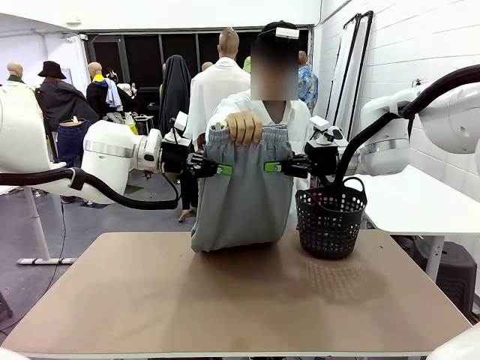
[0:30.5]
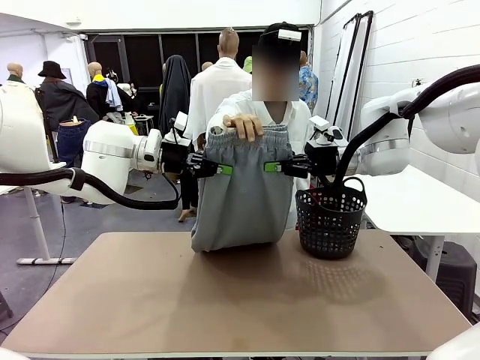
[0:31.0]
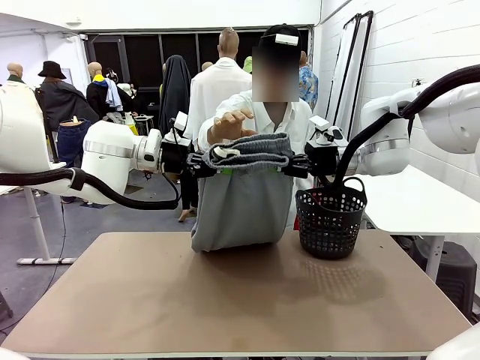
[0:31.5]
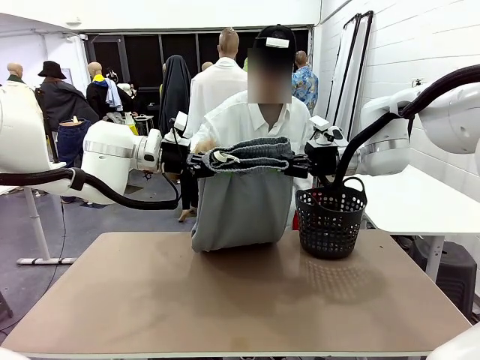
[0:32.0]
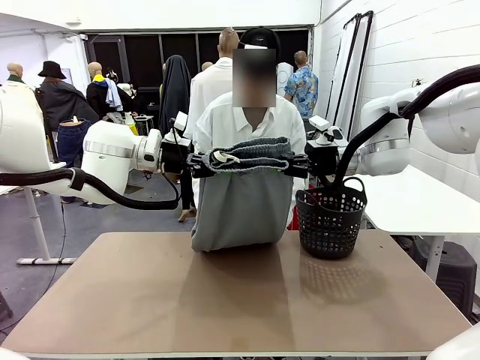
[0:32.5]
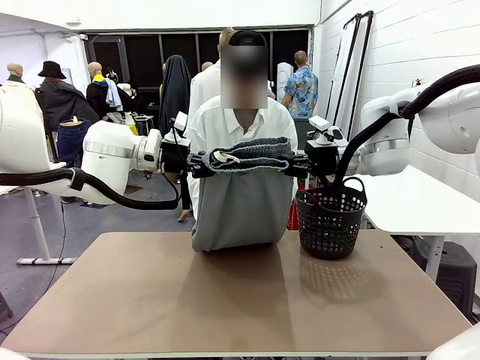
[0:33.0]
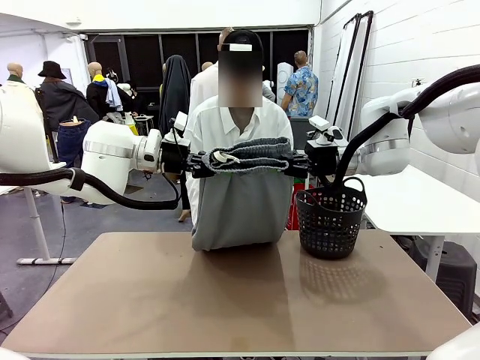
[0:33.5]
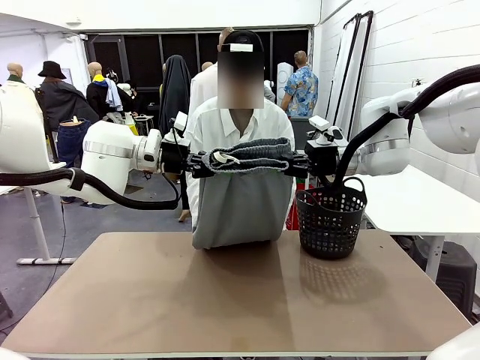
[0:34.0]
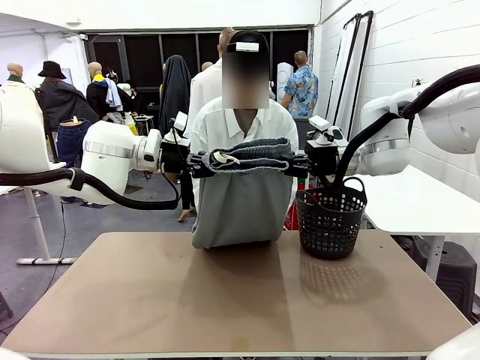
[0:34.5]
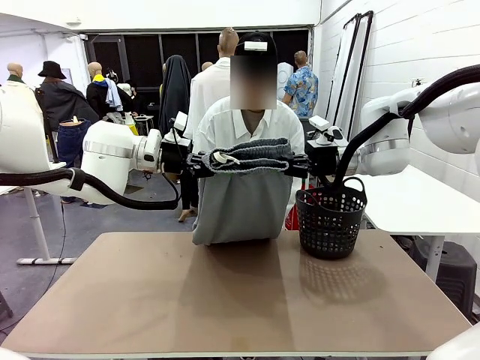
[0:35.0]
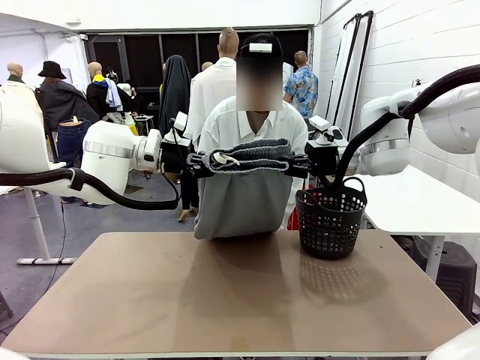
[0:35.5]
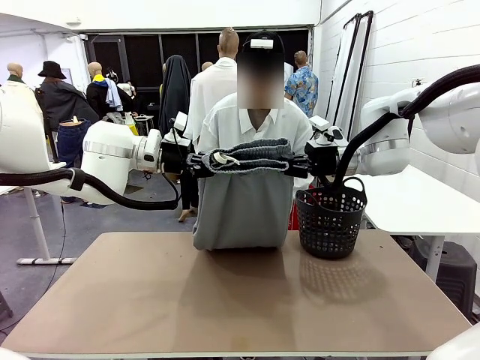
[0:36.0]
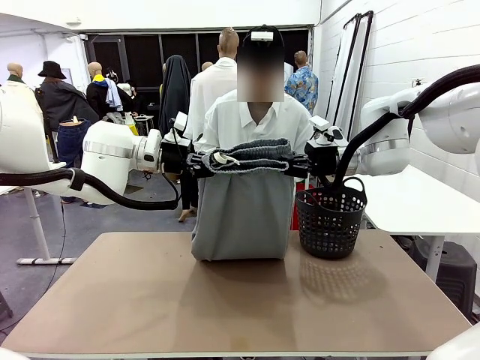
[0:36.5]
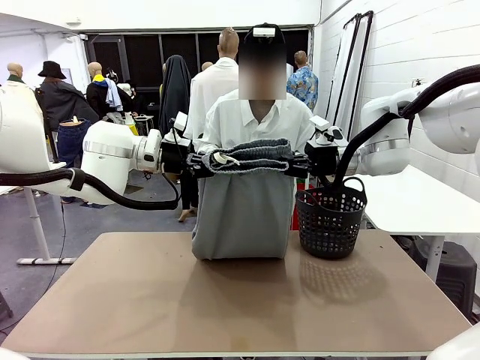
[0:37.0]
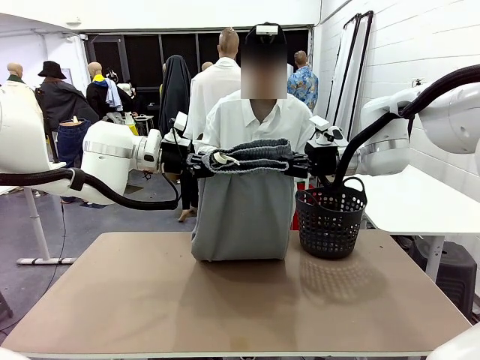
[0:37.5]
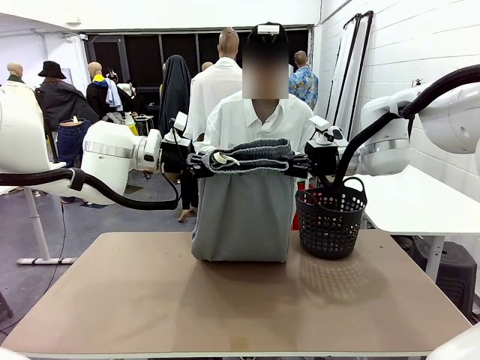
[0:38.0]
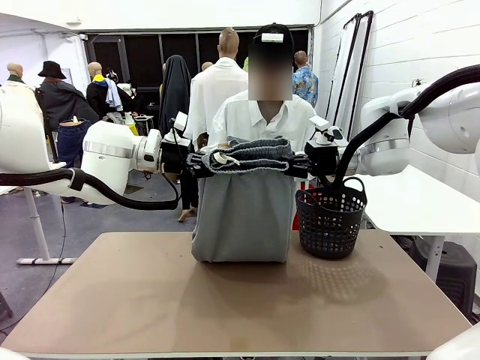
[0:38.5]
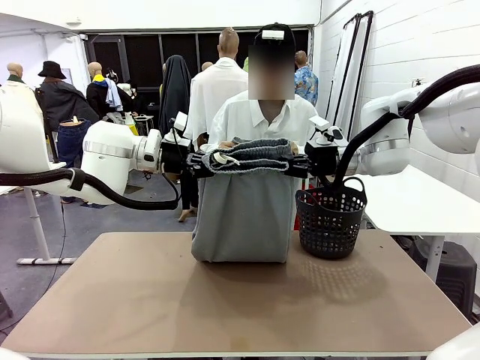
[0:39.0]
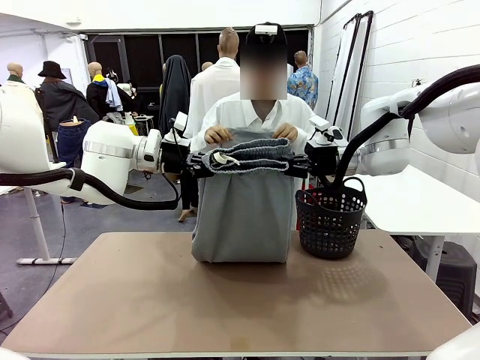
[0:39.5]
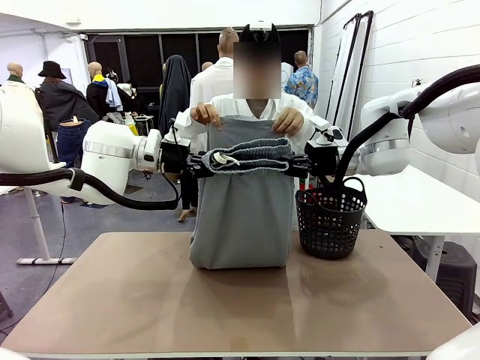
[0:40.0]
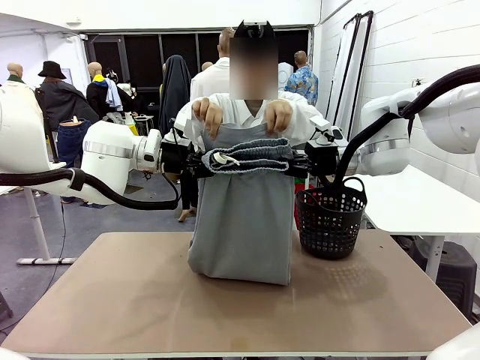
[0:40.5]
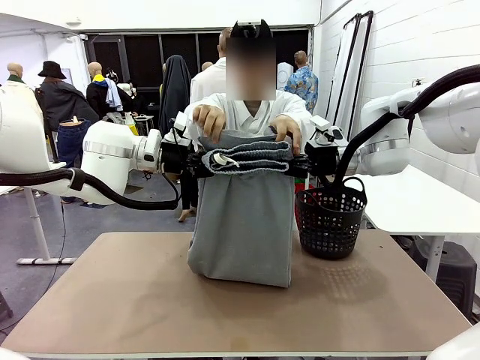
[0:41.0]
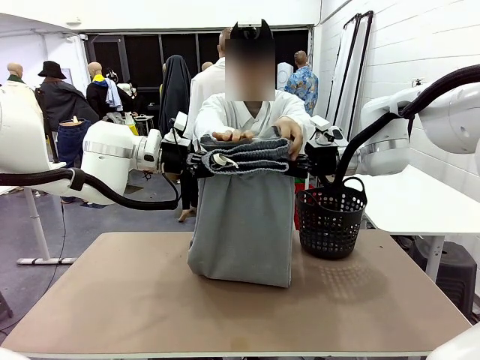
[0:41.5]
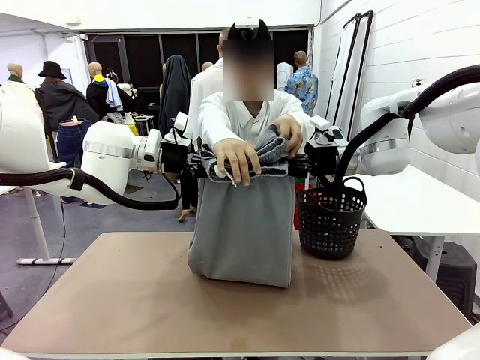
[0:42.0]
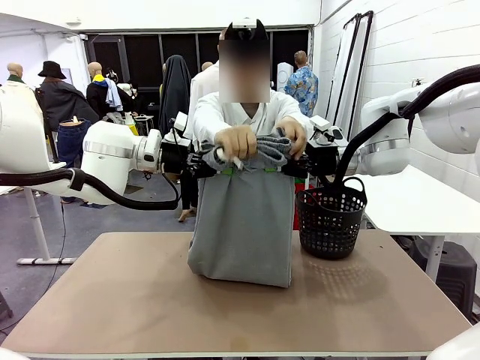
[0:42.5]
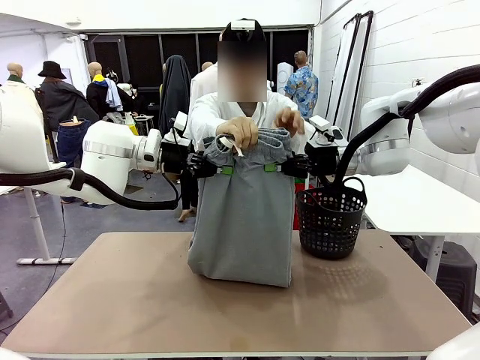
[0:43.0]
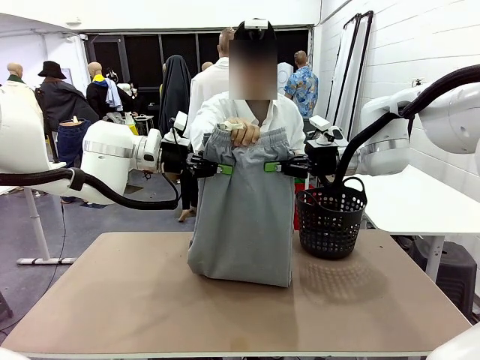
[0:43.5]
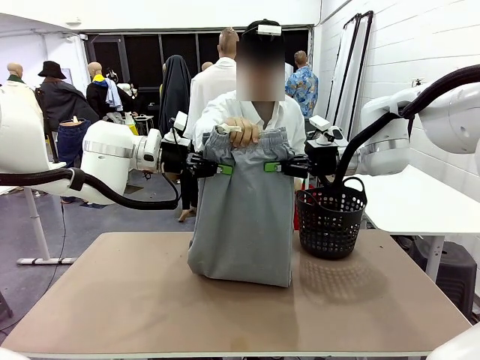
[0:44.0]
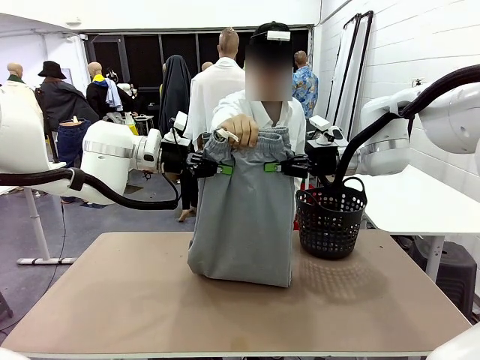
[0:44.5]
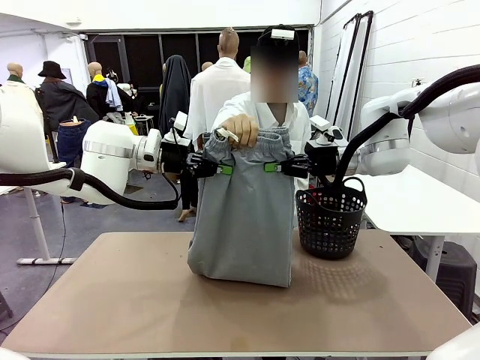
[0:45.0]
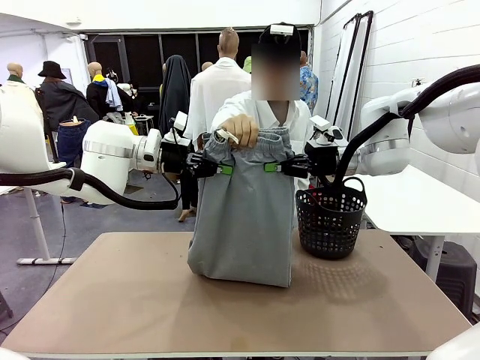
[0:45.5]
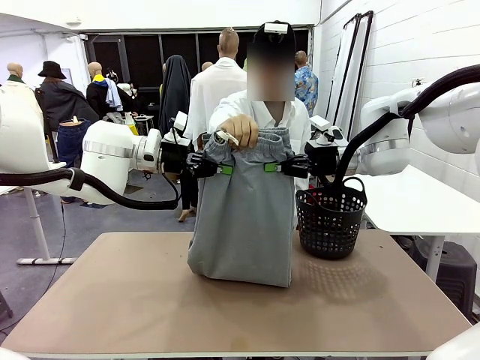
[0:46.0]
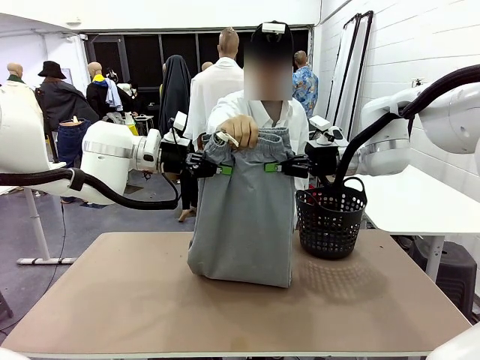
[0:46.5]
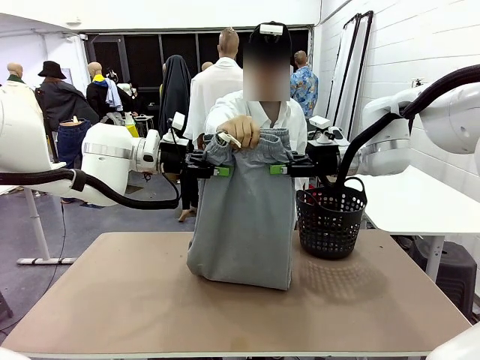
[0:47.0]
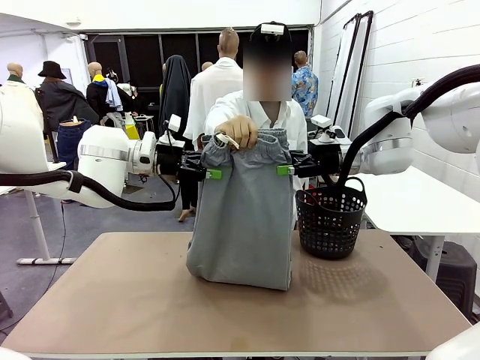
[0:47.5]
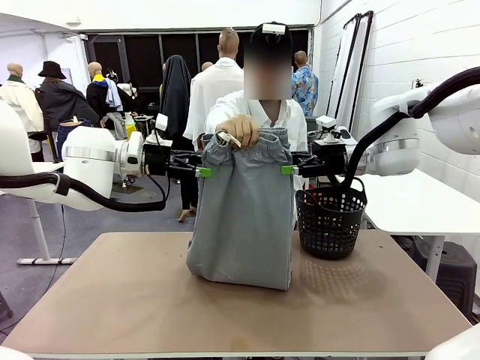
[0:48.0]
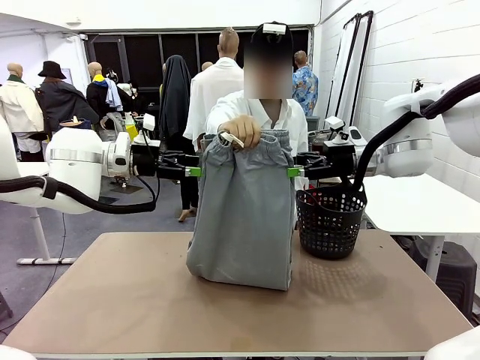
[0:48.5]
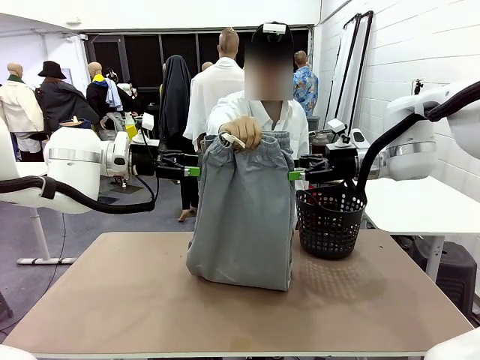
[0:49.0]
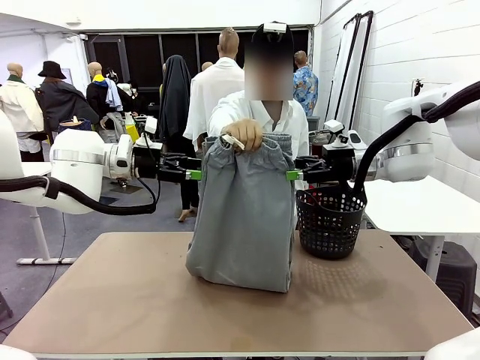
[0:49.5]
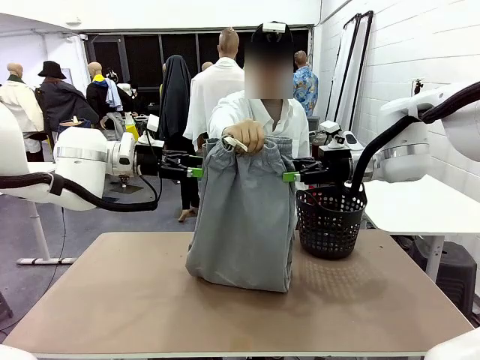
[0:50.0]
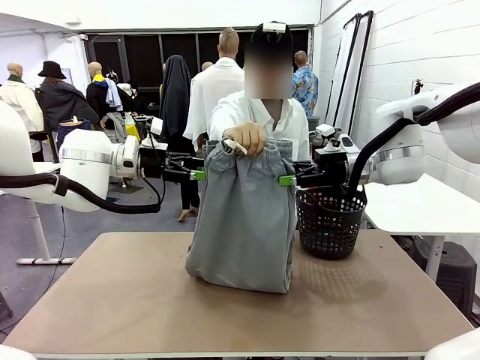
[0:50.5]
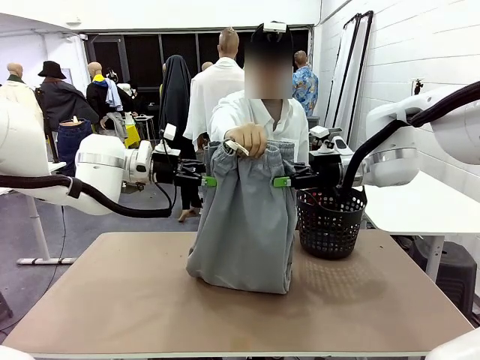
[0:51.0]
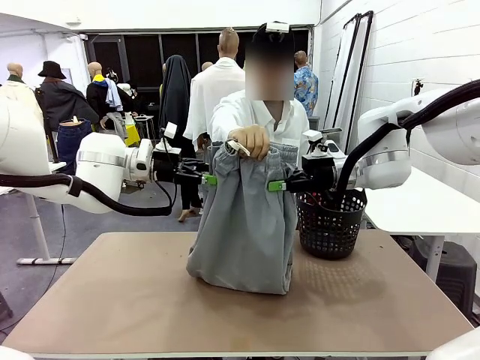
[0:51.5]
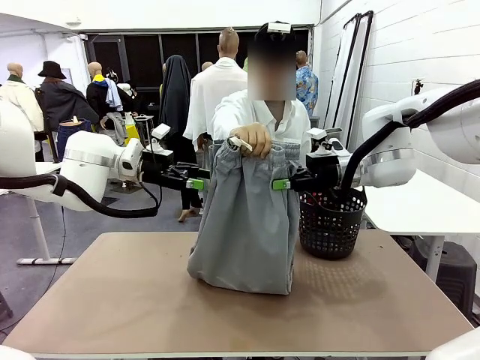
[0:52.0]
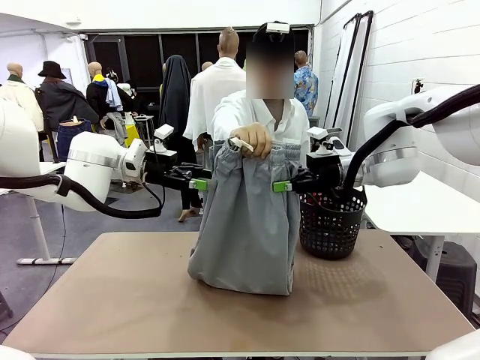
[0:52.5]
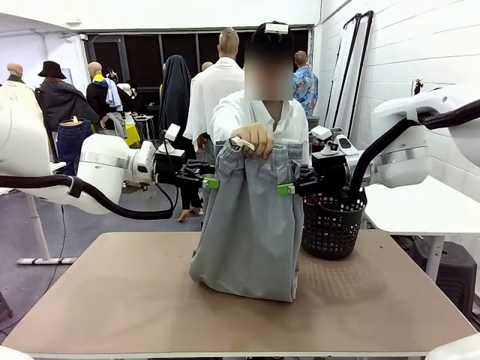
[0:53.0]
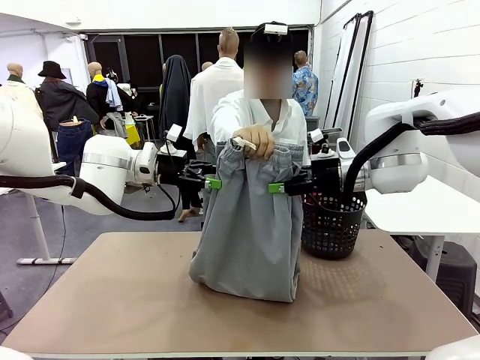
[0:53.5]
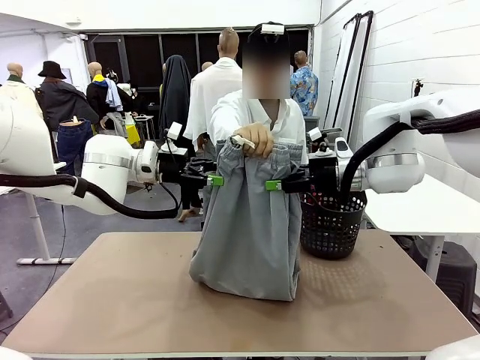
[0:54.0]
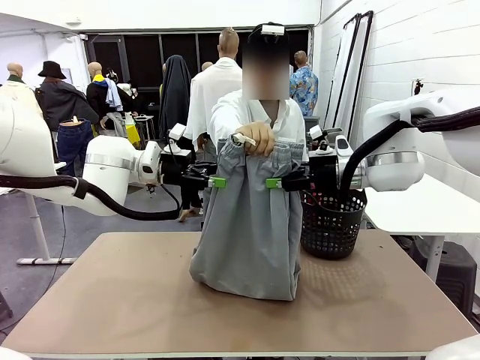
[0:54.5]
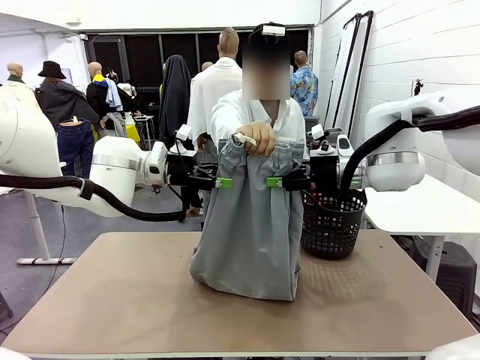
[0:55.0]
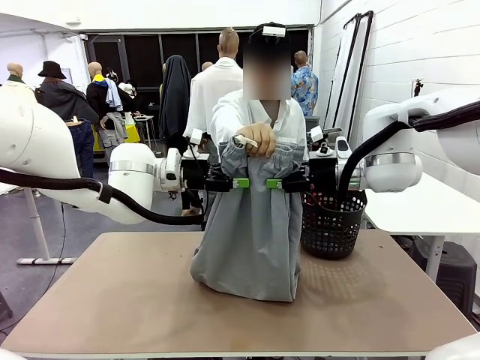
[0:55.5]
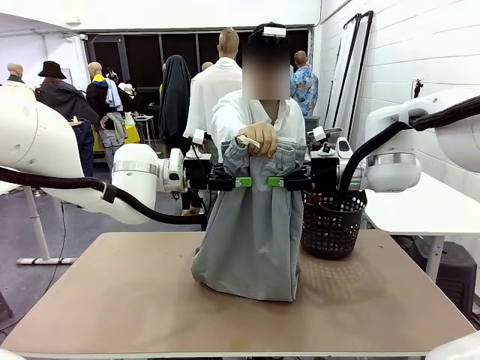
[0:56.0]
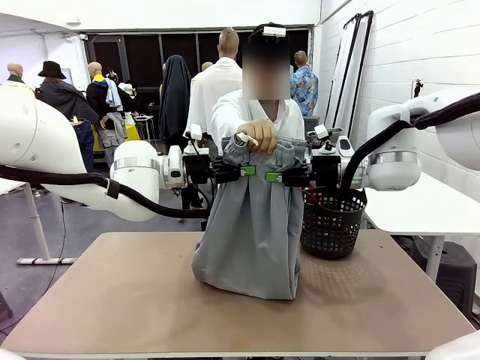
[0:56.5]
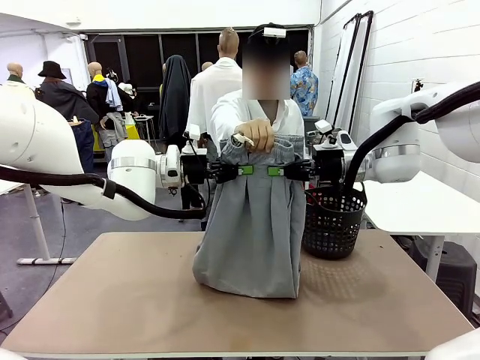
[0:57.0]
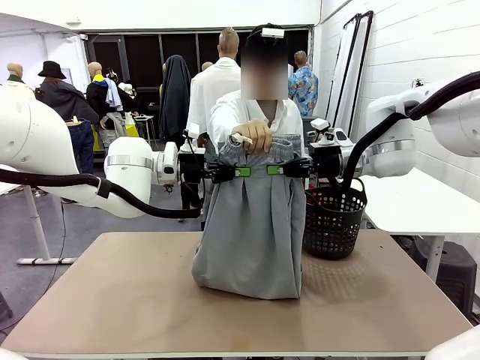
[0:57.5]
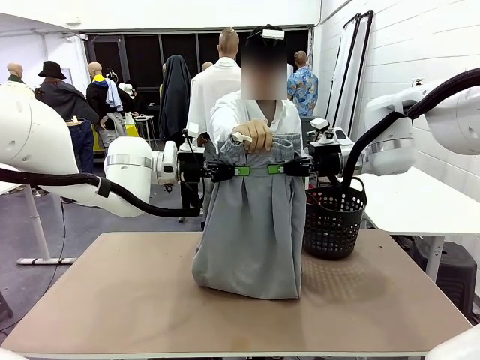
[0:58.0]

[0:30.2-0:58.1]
Task: Fold the training pants.
Robot: Release the ends of the Training pants and then grab the overlapped ends.
Person: Grasp the end opposite the point the robot is holding, fold the pants in half, and then grasp the overlapping top end of the folded pants. Release the pants you were holding.
